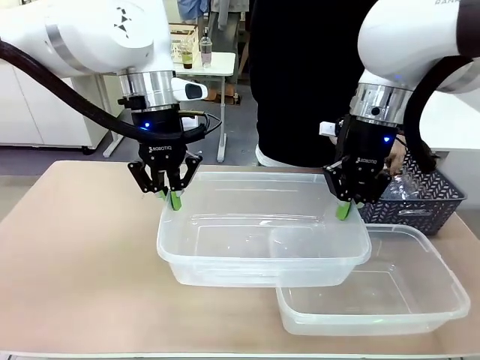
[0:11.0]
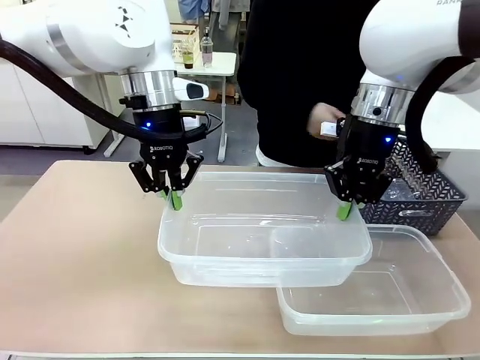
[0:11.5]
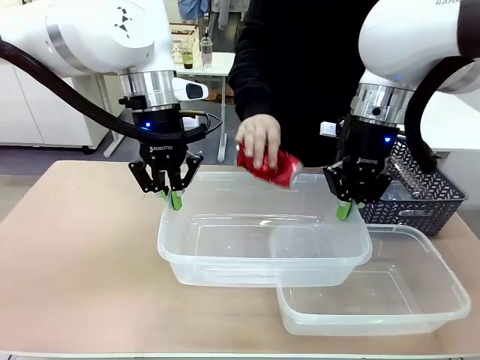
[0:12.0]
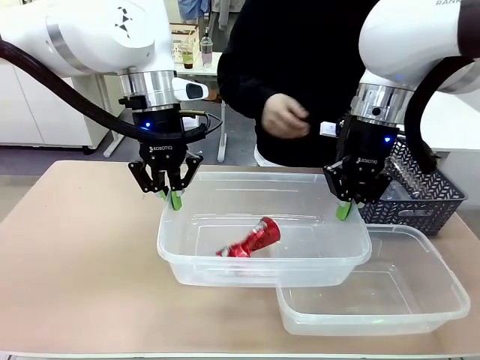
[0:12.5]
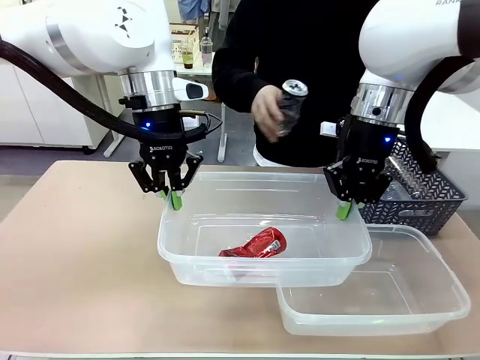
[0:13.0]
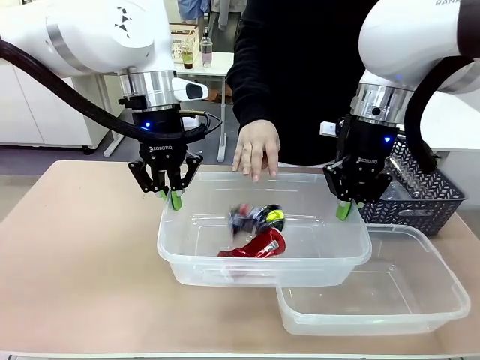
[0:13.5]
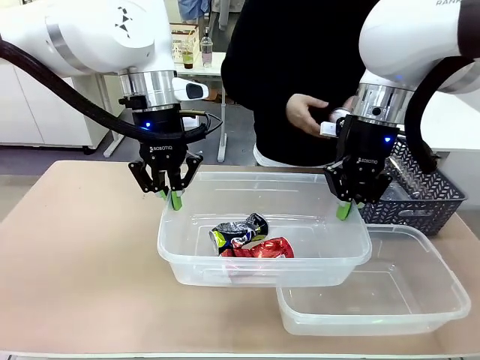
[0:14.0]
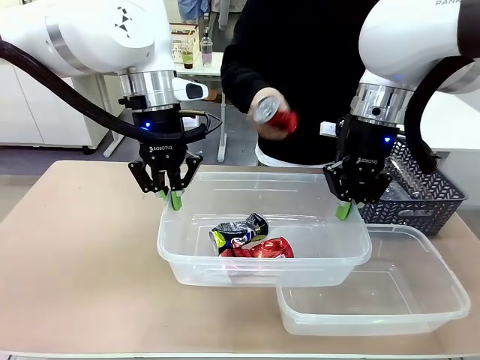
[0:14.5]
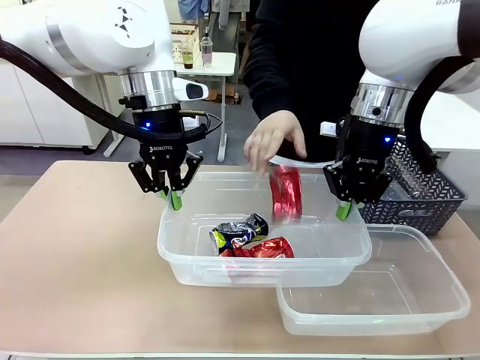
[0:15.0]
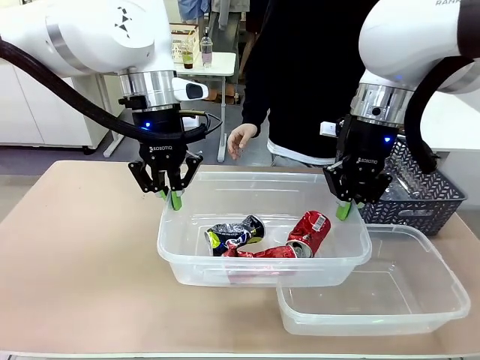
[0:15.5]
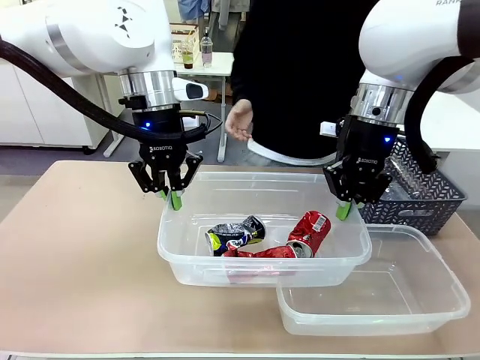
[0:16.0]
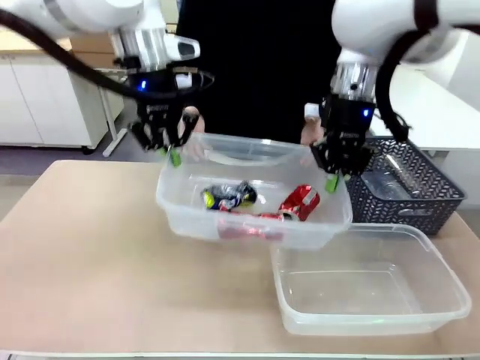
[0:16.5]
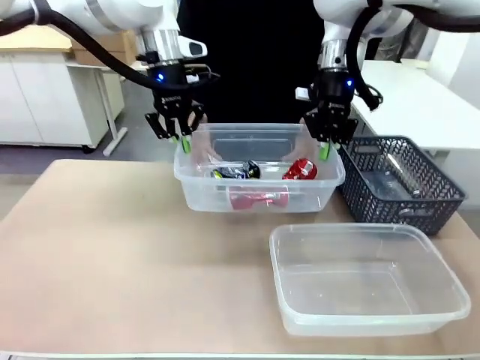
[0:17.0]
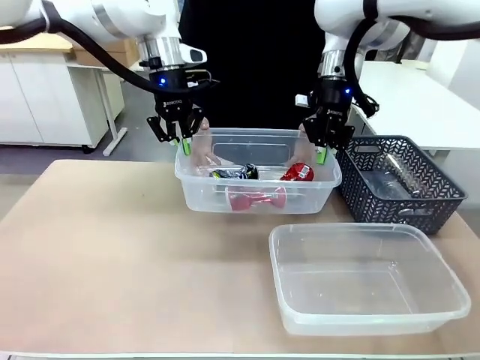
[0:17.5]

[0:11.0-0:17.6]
Robot: Offer the picked Organizing box to the human.

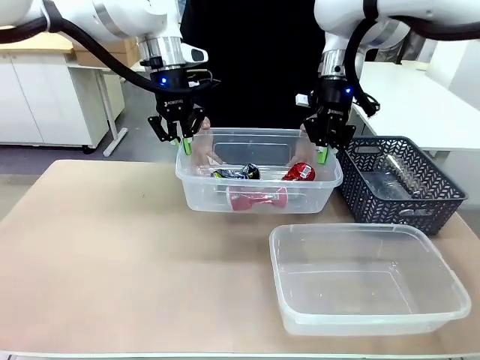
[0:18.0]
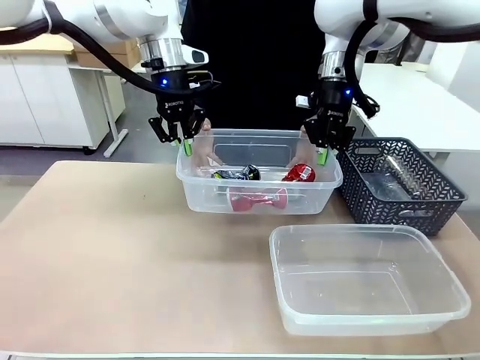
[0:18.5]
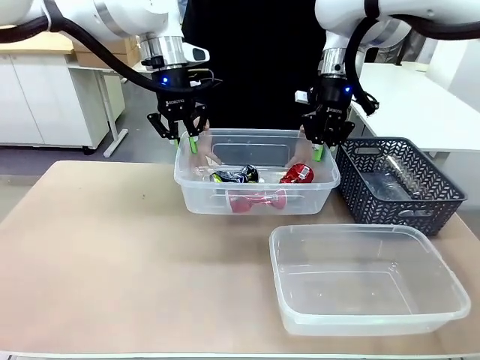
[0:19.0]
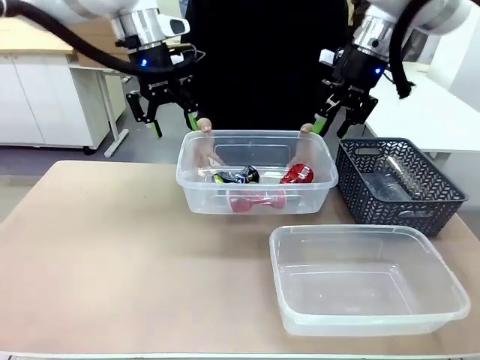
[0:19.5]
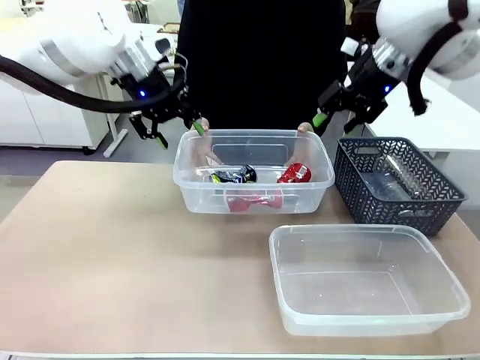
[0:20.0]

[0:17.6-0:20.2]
Robot: Release the Organizing box you were holding.

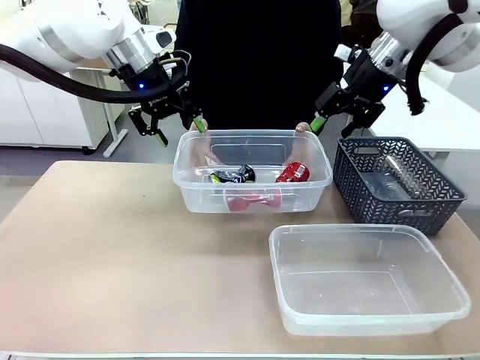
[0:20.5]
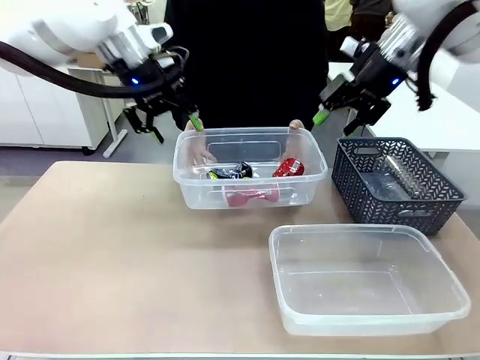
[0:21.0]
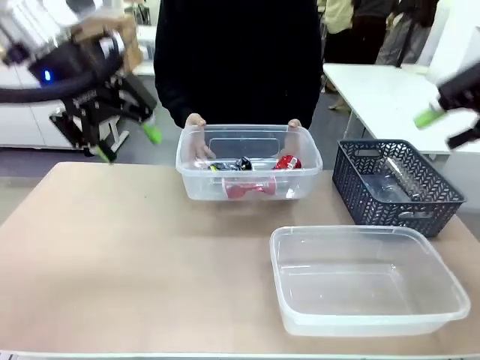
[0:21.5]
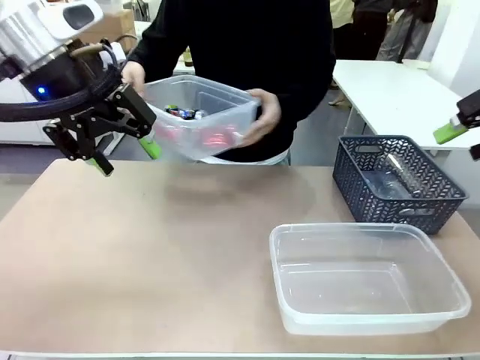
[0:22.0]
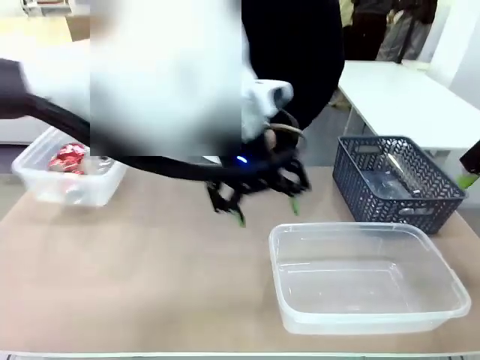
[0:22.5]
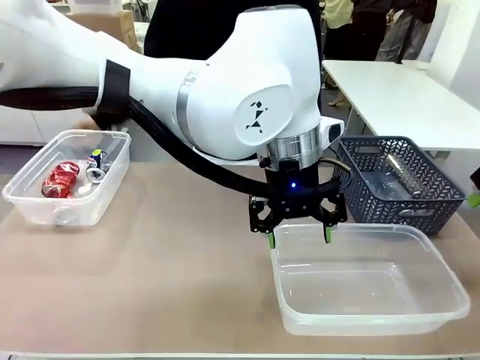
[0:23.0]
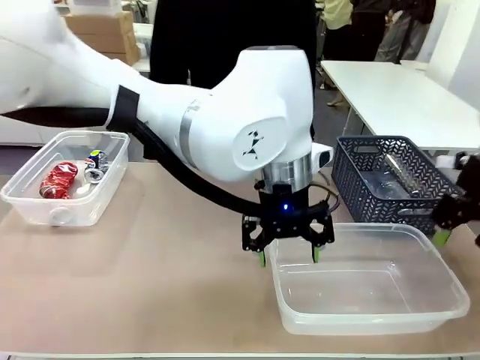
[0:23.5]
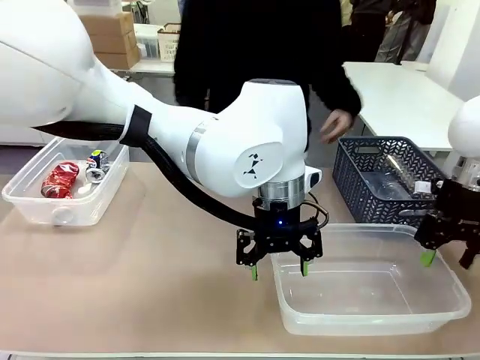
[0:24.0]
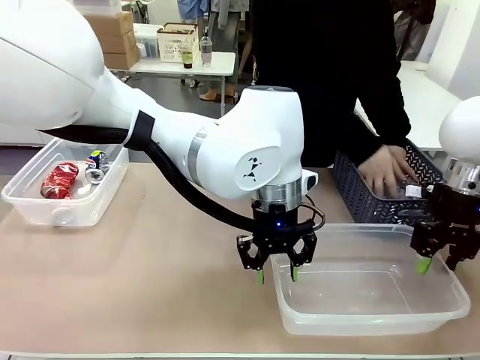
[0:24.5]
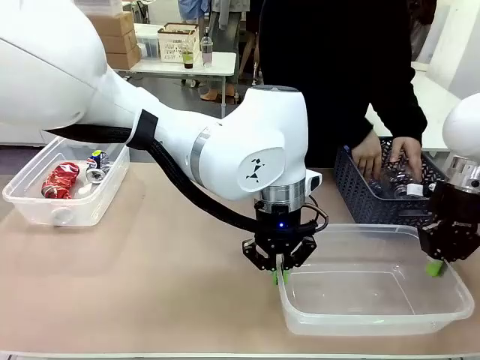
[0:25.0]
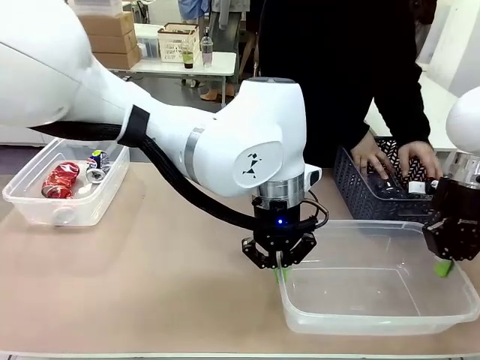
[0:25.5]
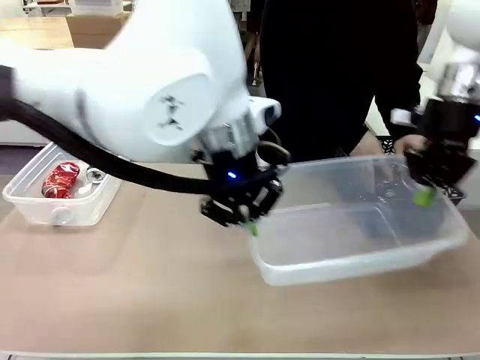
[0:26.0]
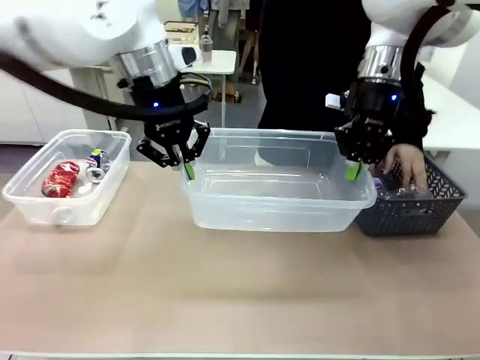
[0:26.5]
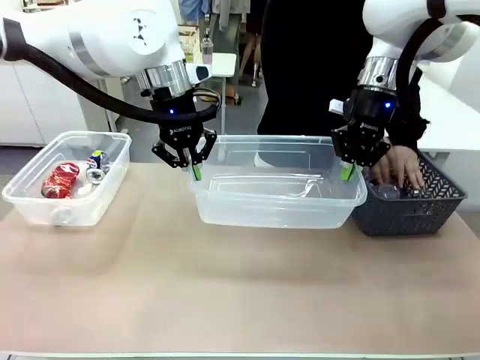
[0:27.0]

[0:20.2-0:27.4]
Robot: Pick up the Organizing box on the right side of the table and lift it.
Person: Place it at the edge of the bottom right area of the robot table.

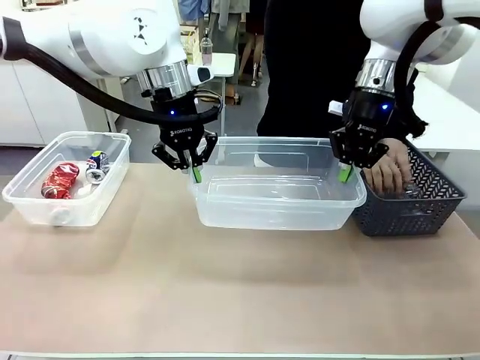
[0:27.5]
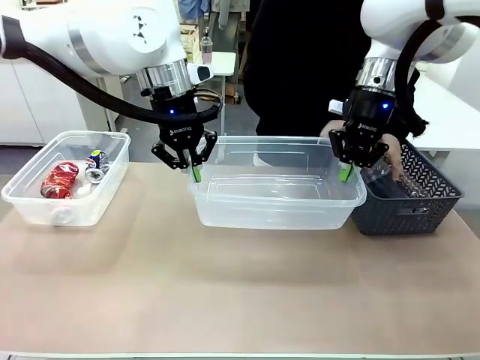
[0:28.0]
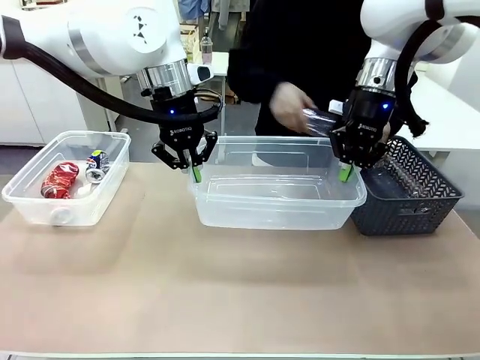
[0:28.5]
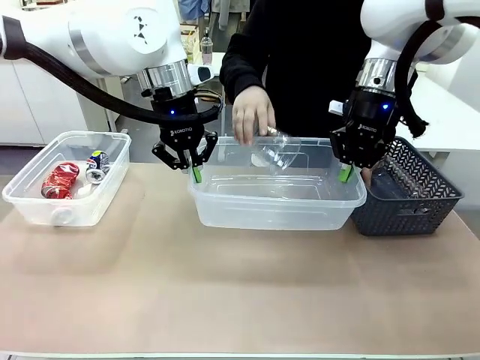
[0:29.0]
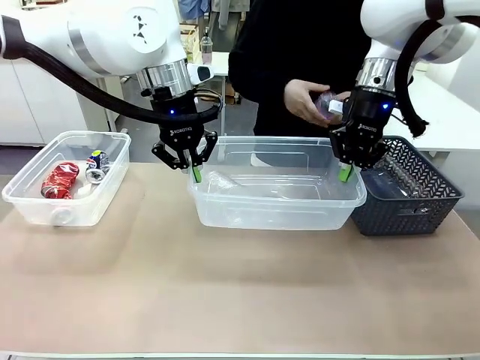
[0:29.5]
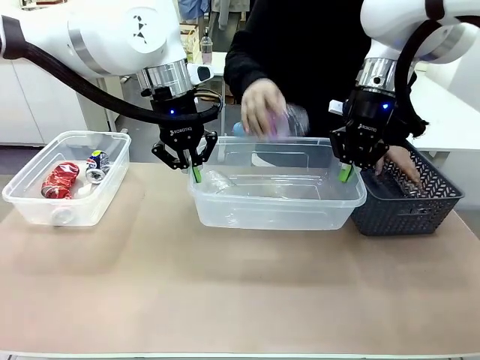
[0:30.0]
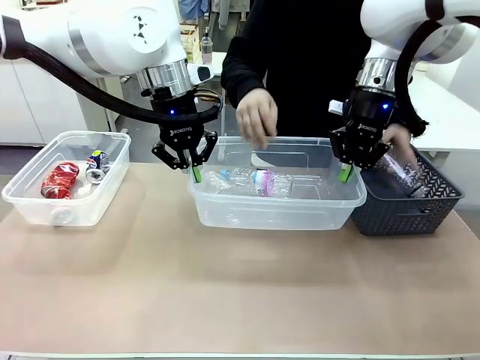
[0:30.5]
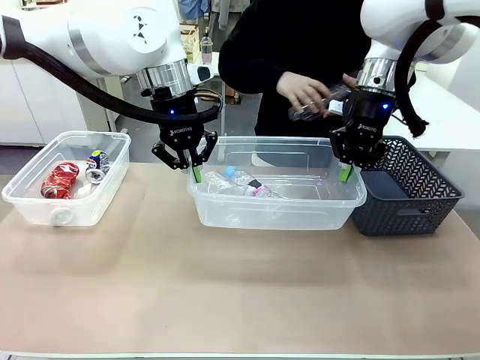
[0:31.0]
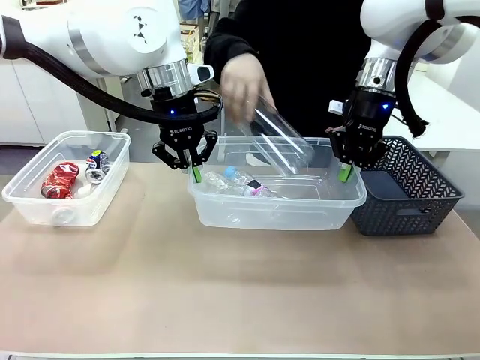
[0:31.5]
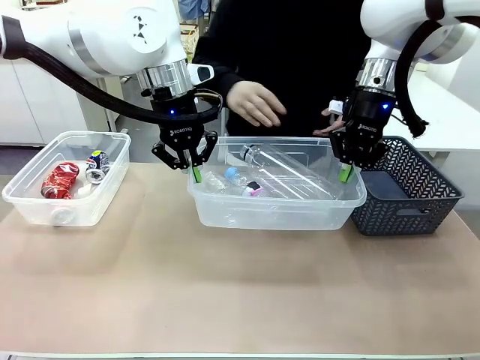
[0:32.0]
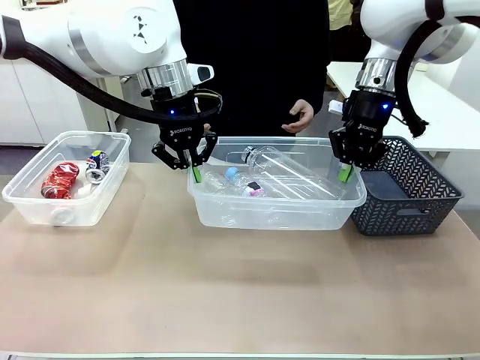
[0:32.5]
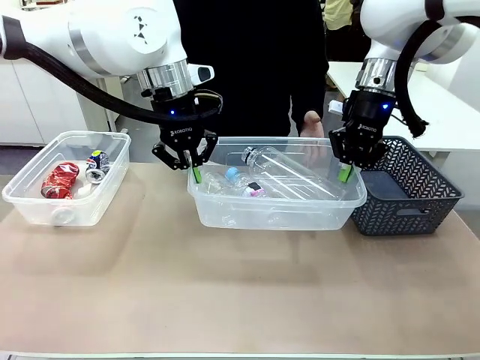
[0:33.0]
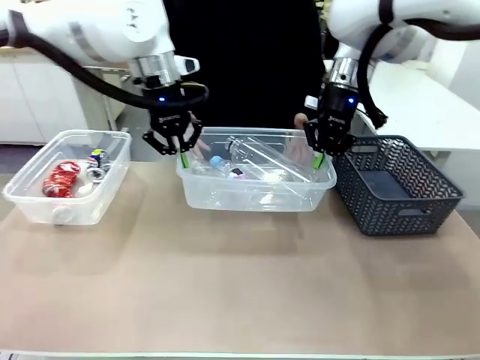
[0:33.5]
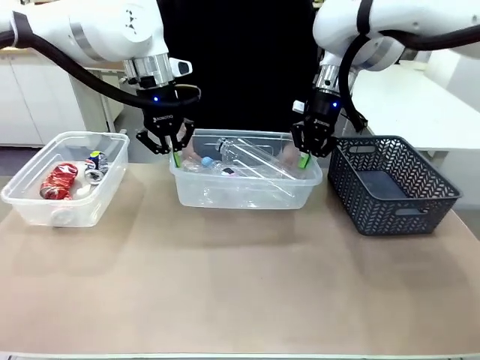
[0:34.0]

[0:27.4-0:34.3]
Robot: Offer the picked Organizing box to the human.
Person: Pick up plastic waste one by one and place it into the organizing box lifted by the robot.

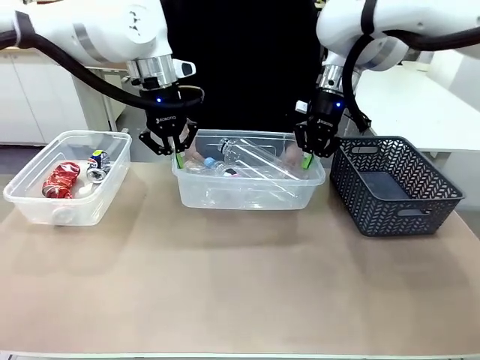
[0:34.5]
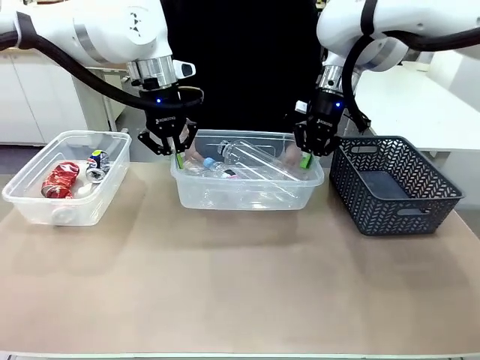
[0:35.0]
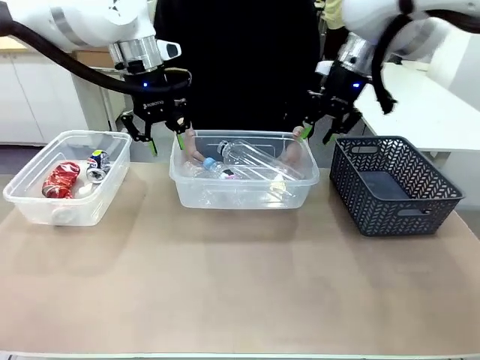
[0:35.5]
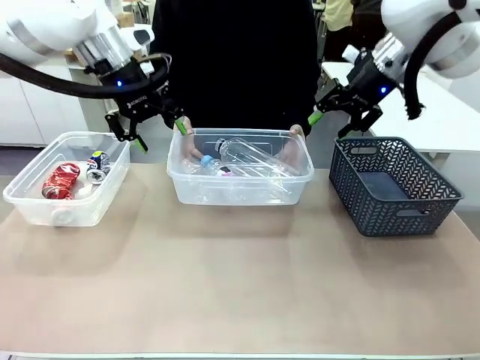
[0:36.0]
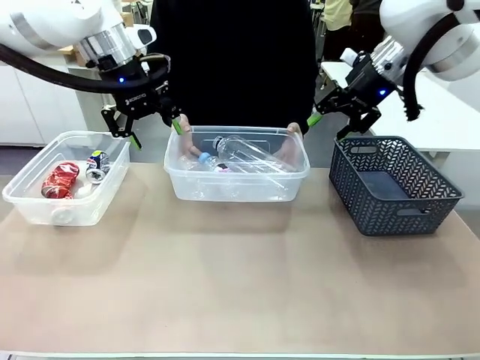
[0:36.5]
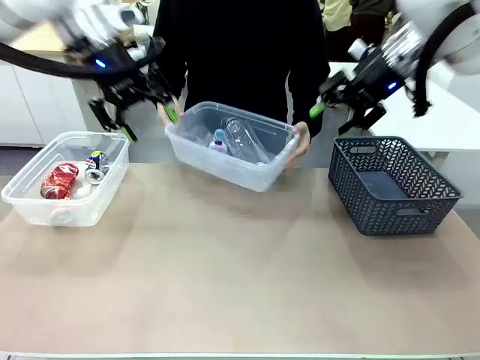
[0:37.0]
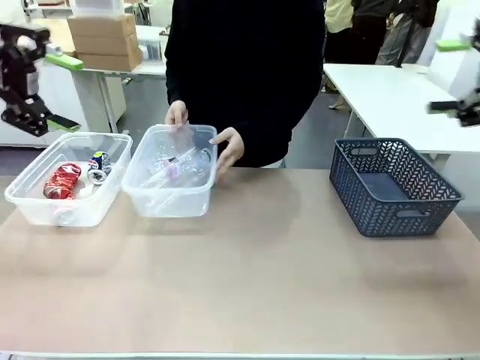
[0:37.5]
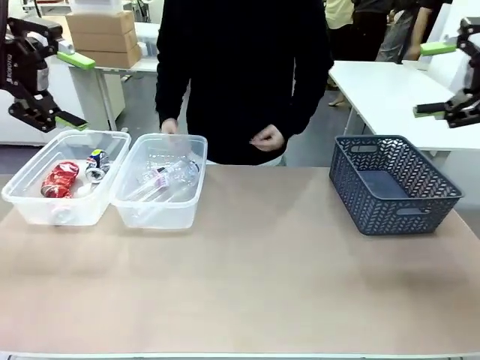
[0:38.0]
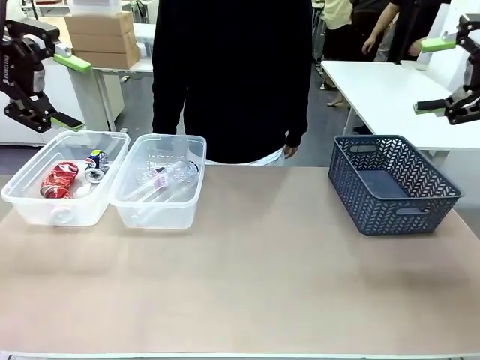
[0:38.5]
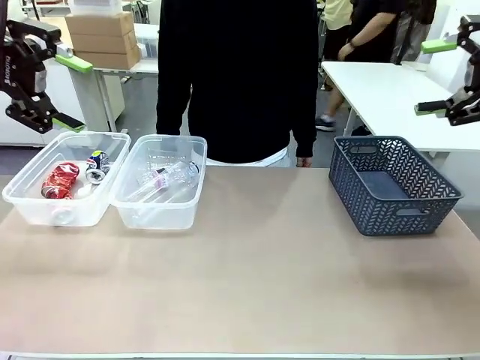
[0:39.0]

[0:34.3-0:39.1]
Robot: Release the Organizing box you were holding.
Person: Pick up the organizing box extended by the robot. Place the organizing box to the left of the sorting box containing the can waste.
